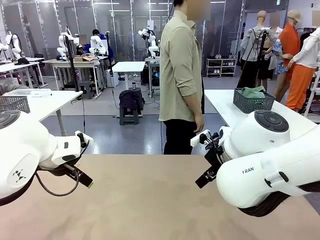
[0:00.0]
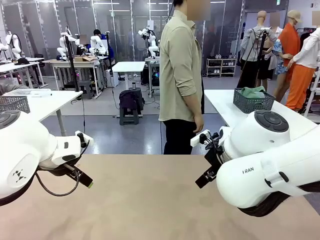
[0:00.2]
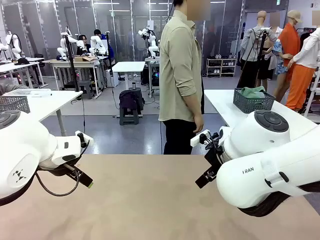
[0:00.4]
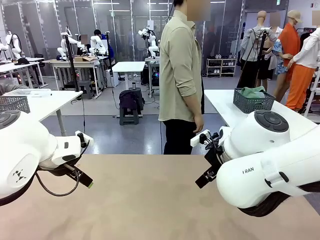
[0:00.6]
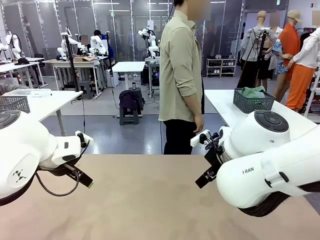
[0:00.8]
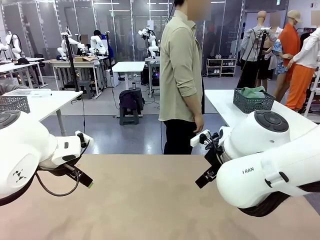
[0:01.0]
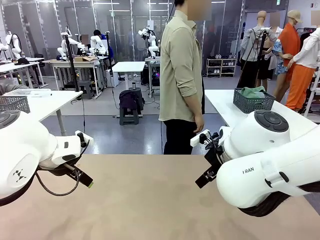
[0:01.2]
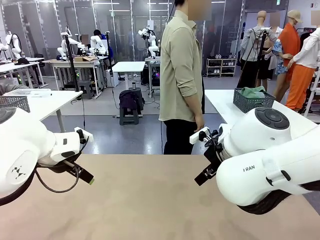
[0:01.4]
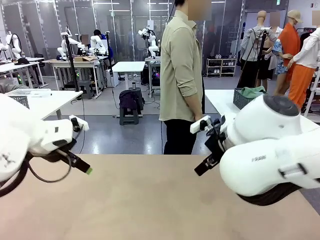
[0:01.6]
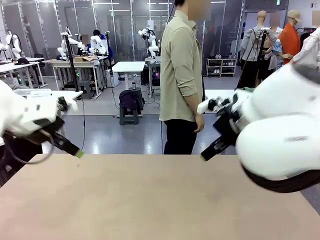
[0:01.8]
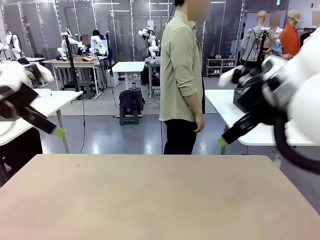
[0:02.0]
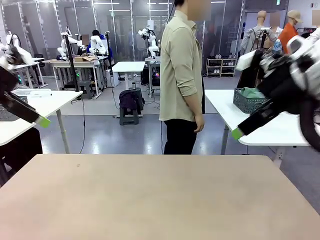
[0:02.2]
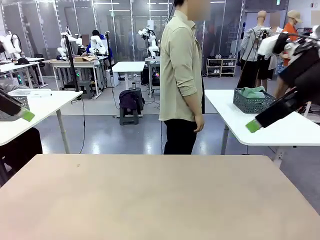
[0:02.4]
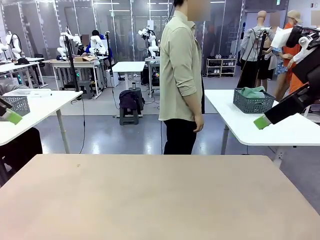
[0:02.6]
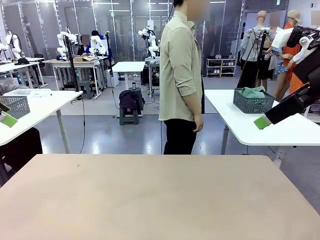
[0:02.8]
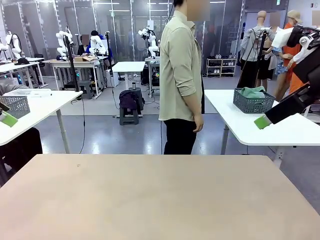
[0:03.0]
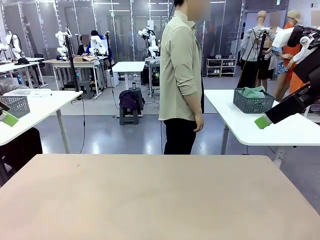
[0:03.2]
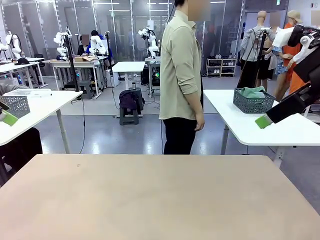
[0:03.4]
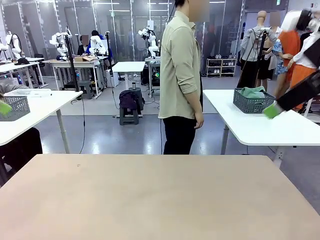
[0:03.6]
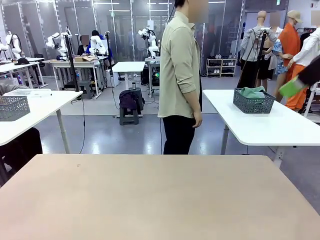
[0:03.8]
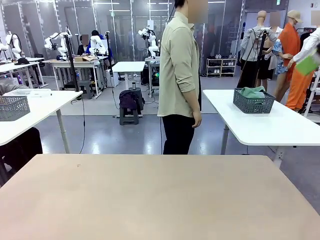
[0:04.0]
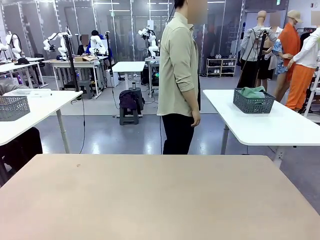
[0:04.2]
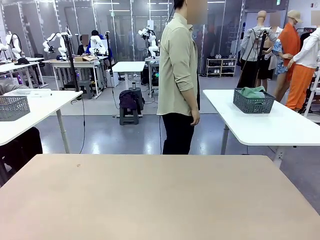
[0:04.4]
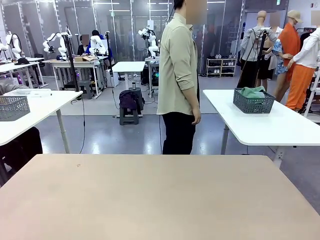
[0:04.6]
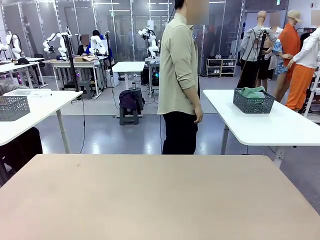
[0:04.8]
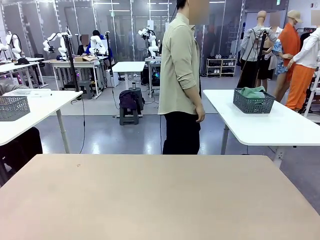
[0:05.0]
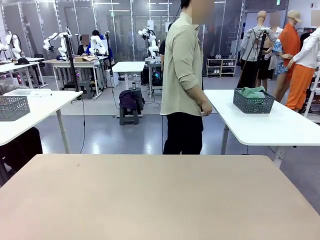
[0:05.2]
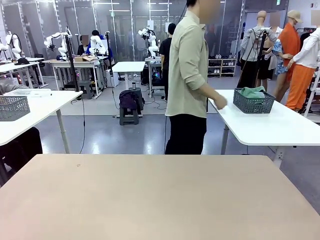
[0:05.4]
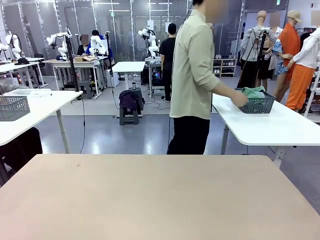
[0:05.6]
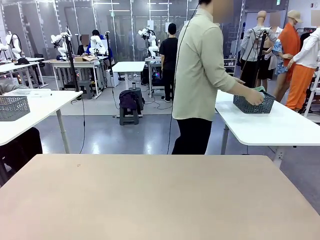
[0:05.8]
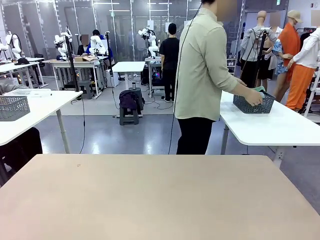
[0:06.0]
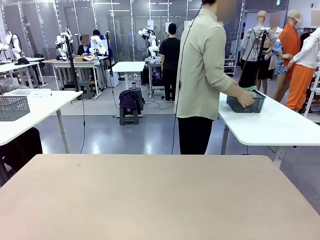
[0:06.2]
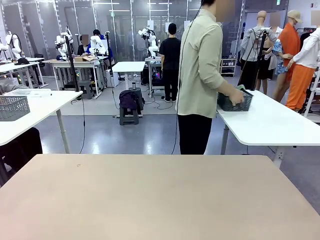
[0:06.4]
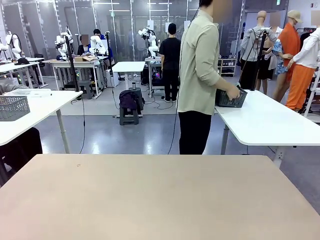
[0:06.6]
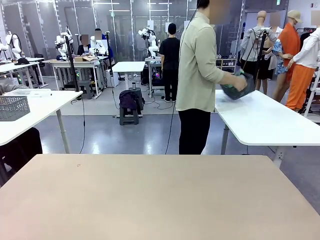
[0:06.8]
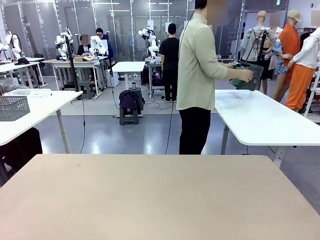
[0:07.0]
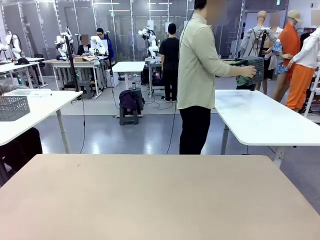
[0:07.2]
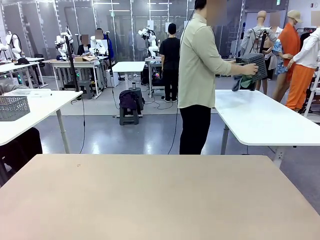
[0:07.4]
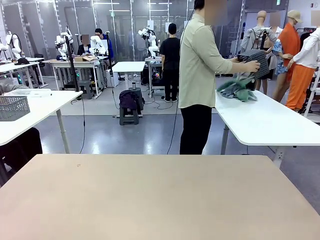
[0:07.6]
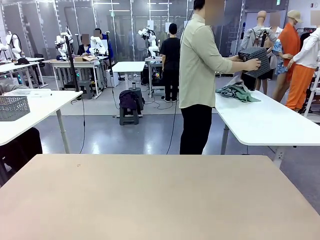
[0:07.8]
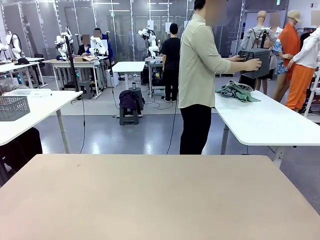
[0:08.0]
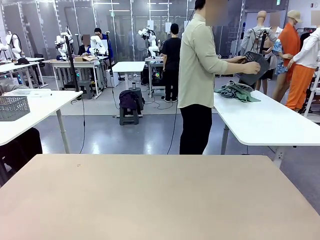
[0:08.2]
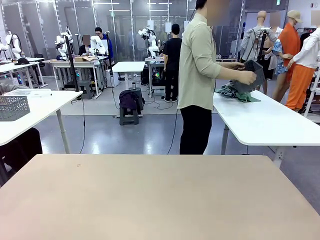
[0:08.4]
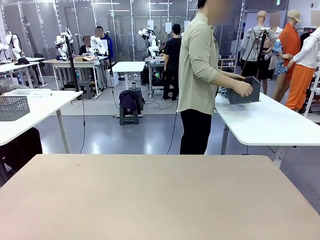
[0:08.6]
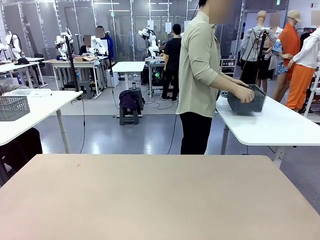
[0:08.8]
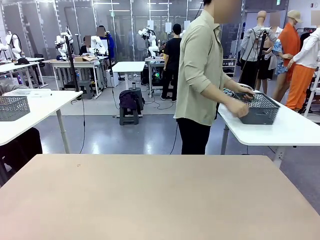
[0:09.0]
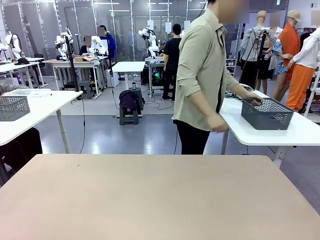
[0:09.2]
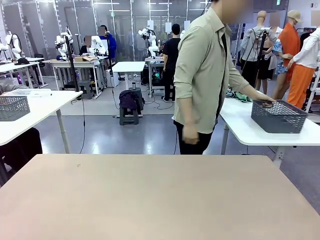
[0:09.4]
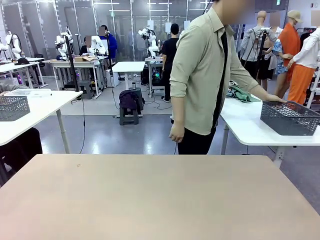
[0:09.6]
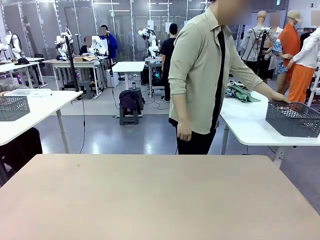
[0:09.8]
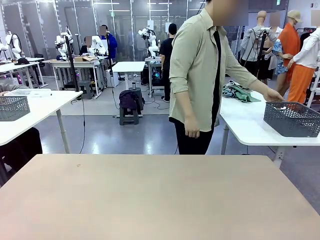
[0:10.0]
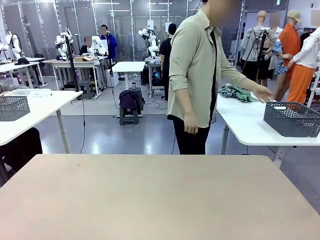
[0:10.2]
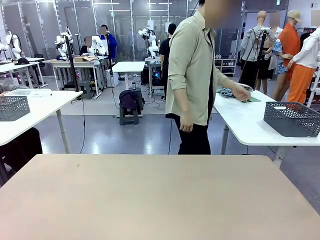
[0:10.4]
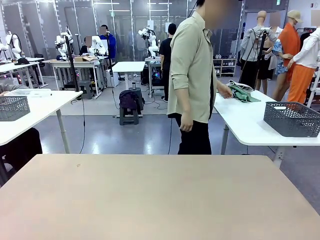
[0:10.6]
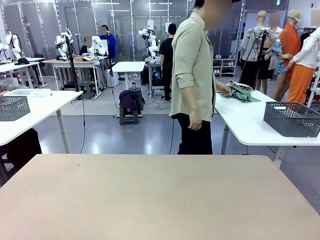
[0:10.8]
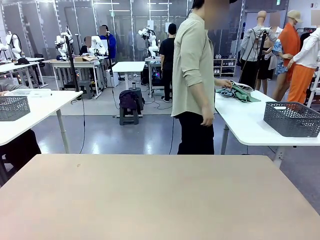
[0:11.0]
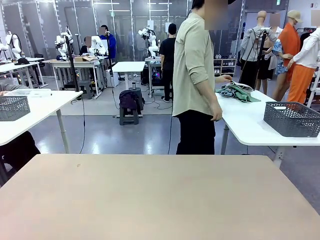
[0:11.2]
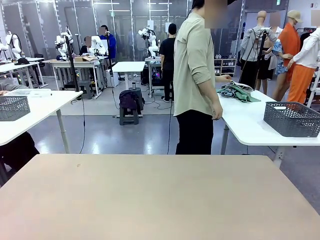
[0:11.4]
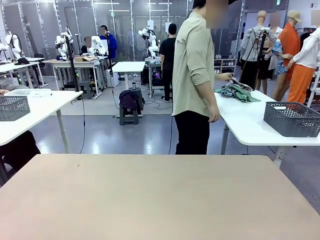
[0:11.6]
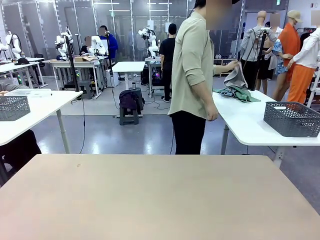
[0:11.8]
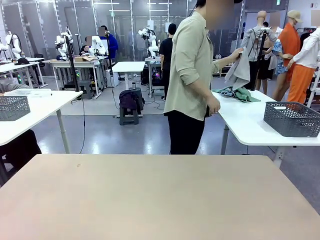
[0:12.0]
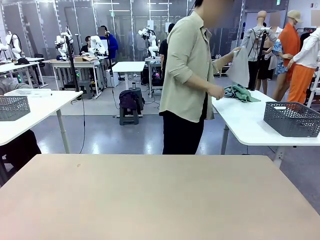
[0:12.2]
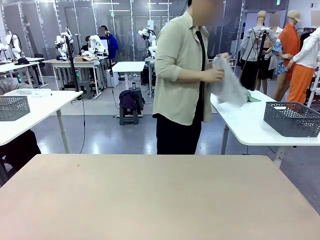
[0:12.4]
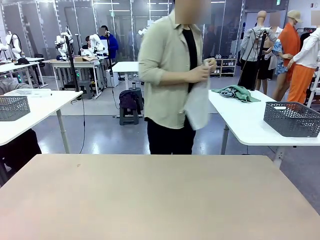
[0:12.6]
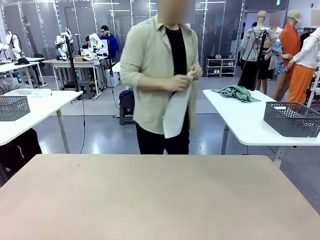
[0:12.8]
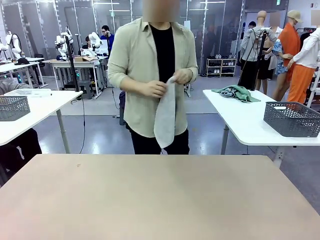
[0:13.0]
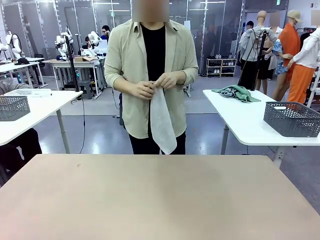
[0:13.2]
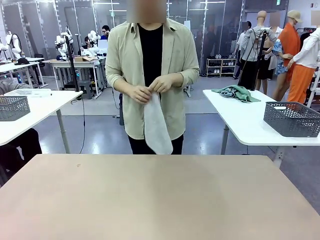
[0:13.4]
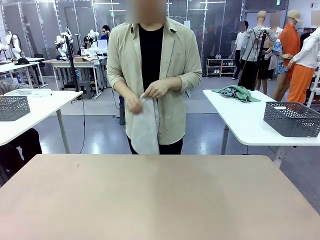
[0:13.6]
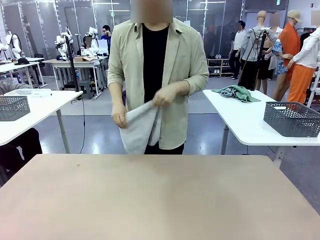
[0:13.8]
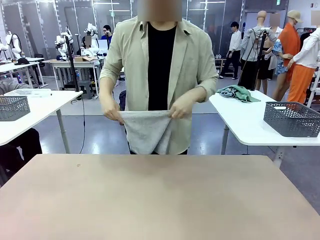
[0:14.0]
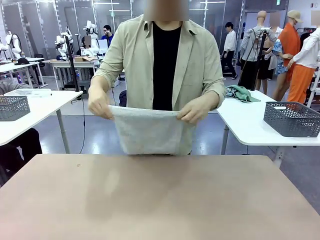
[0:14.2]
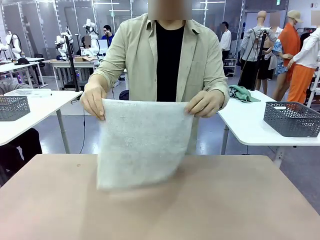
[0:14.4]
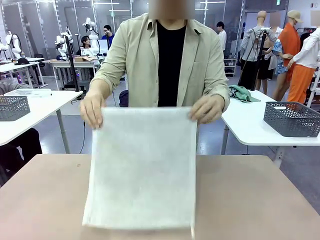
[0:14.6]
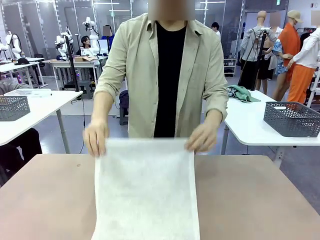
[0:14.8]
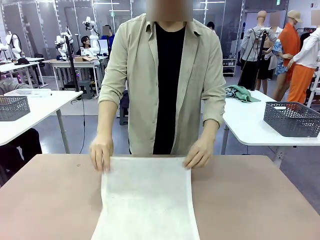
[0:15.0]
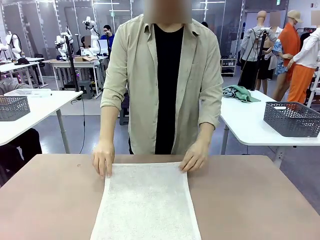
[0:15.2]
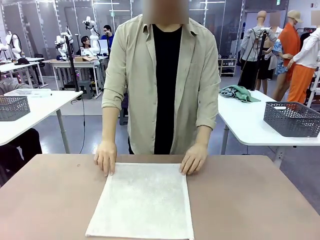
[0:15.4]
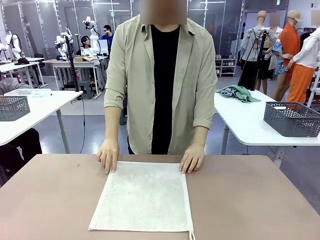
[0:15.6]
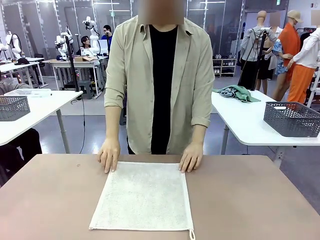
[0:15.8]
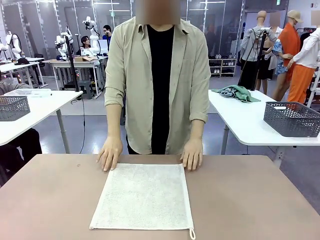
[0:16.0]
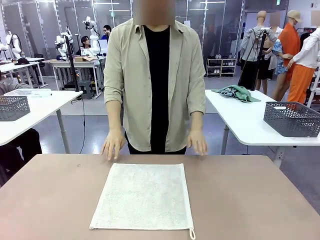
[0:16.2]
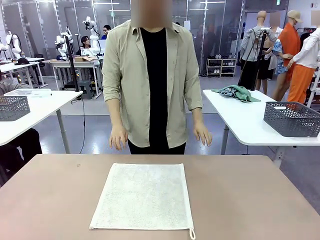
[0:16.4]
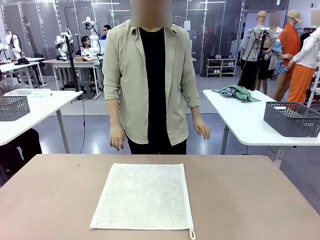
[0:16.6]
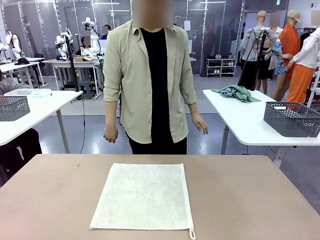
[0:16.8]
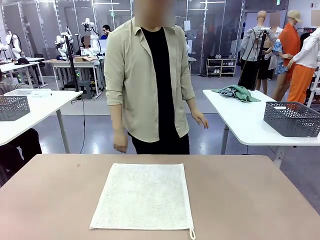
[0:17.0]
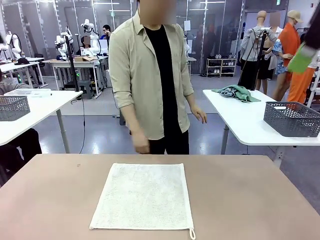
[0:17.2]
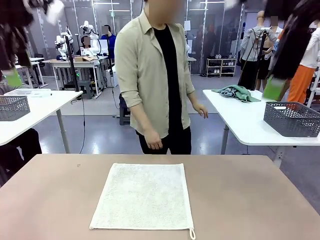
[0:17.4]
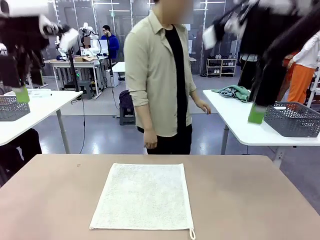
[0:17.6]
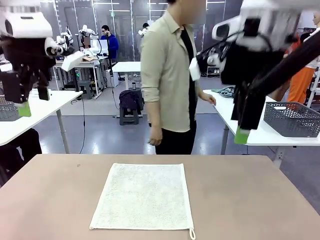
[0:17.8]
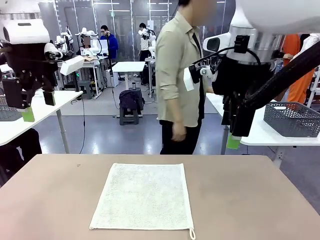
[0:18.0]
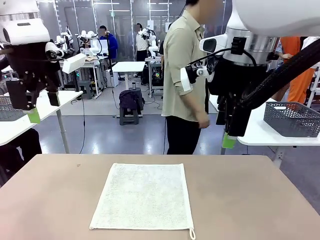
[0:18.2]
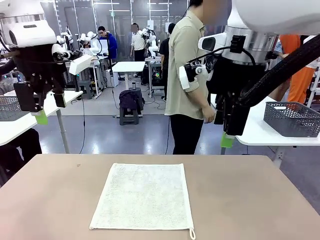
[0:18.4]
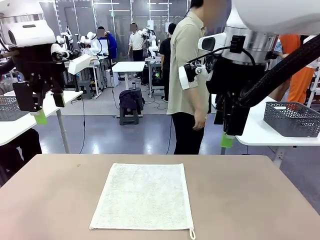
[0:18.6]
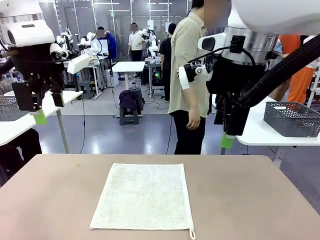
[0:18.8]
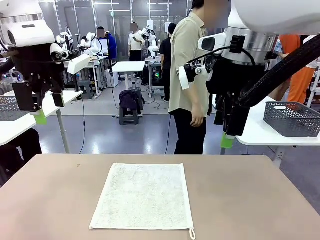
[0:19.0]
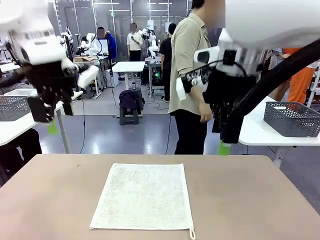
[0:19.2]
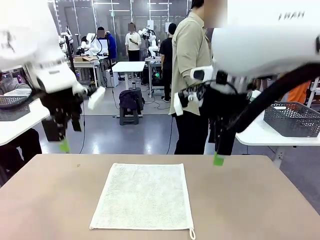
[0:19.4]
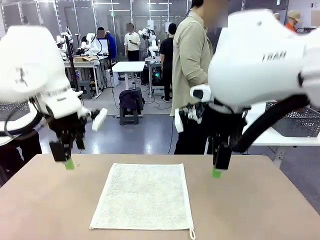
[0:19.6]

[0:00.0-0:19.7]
Task: Fold the towels and place them in the basket.
Robot: When a person lays out a Towel with hook on the table, fold it in half twice.
Person: Pick up the basket, pour the towels onto the left side of the human table, and place the basket on the right side. Pick up one towel and spread it out at the center of the robot table.
